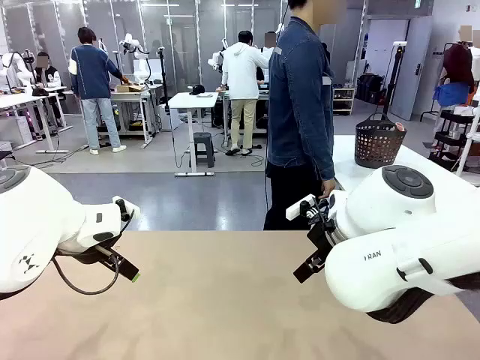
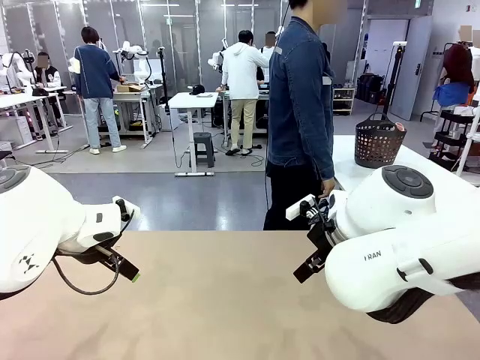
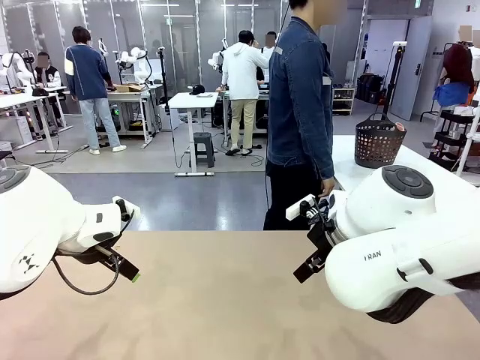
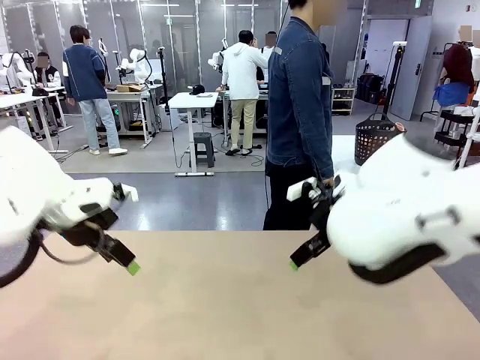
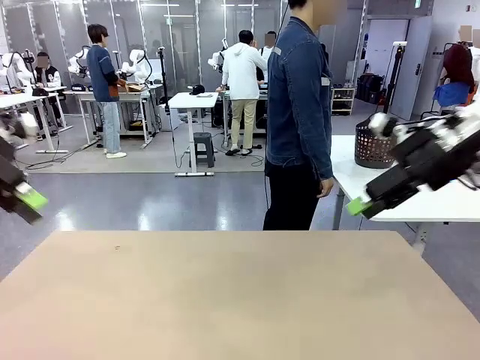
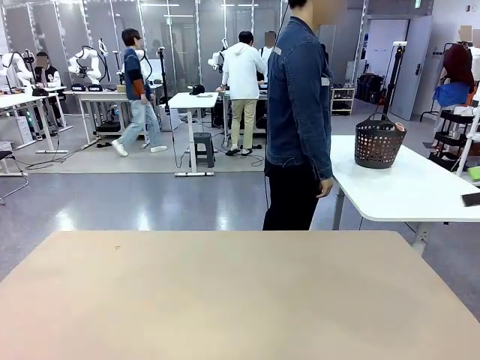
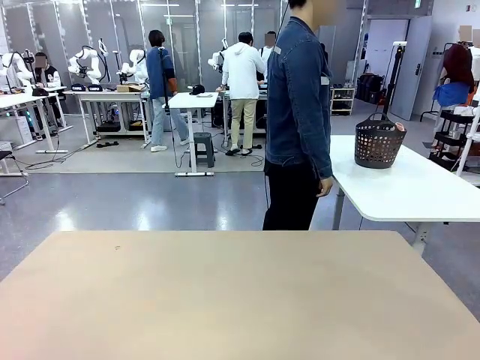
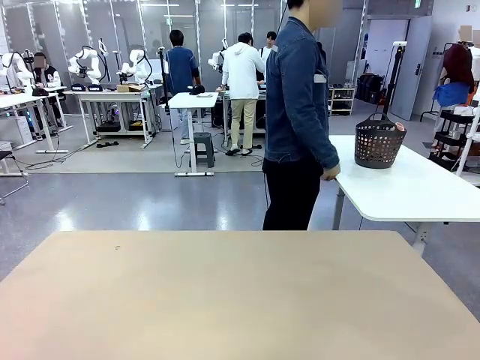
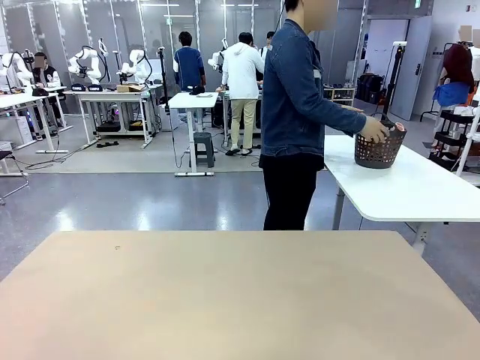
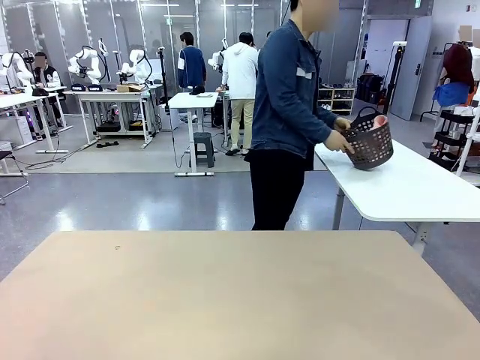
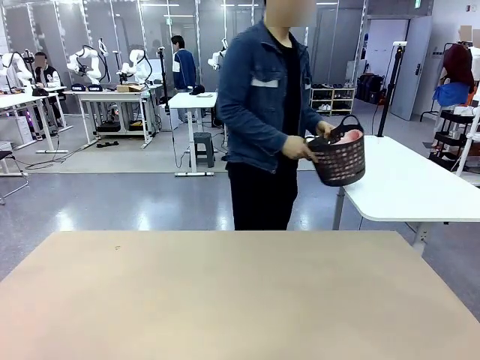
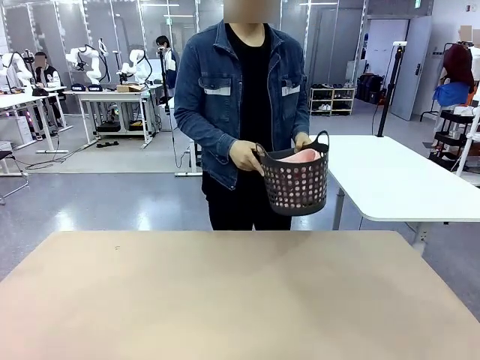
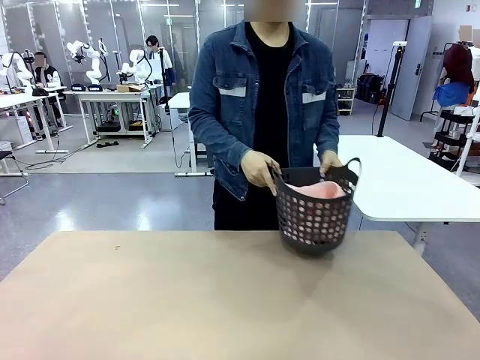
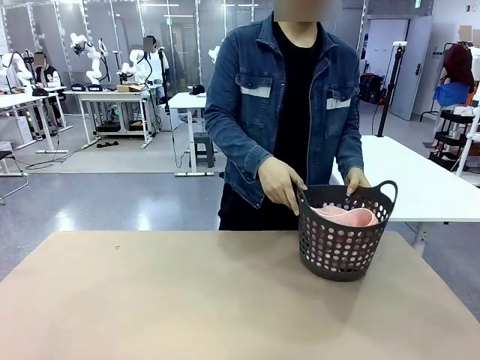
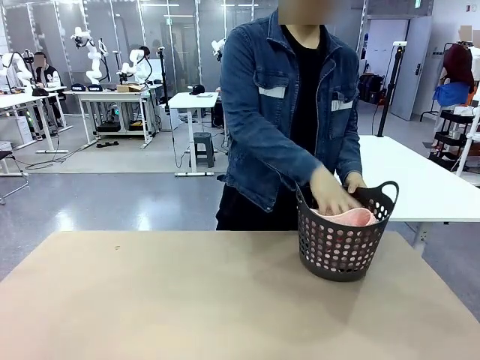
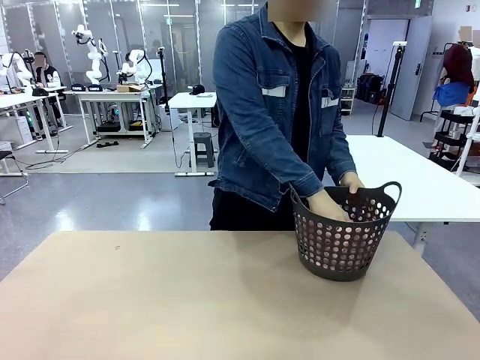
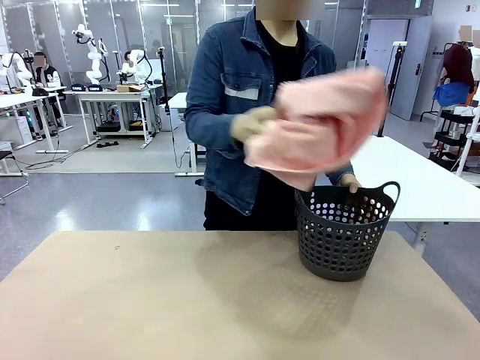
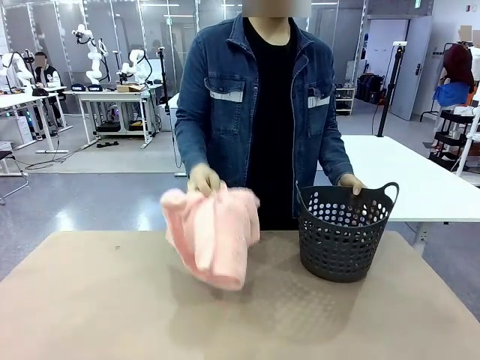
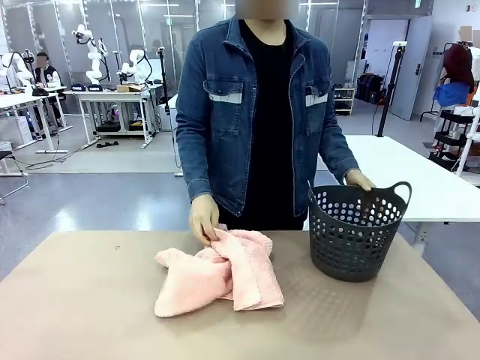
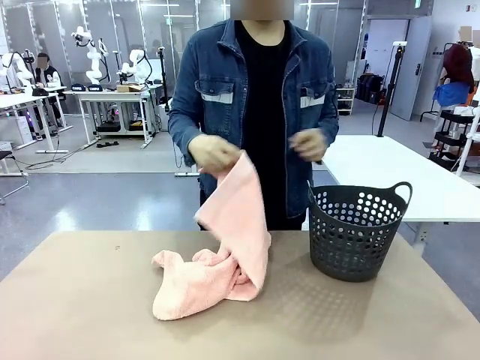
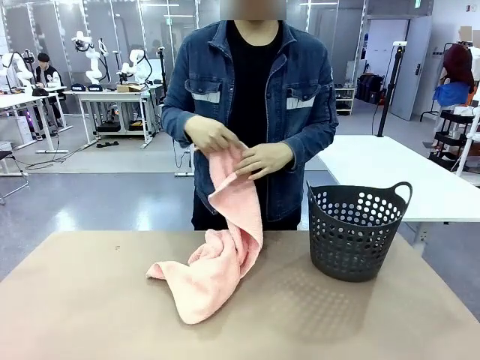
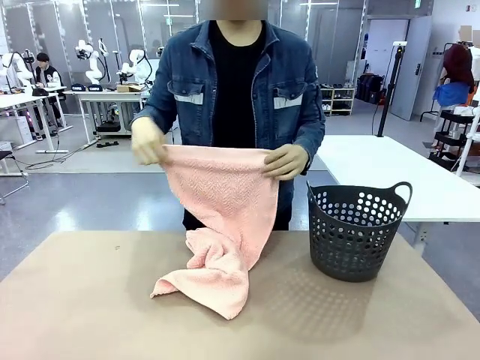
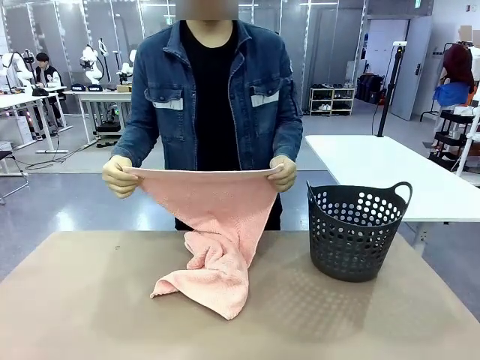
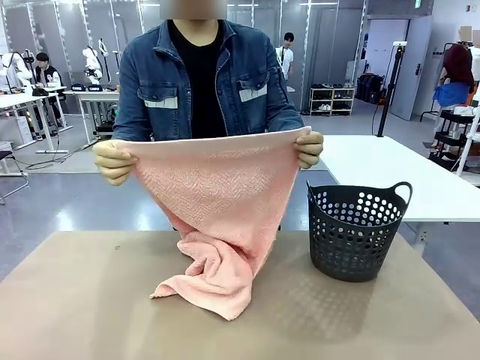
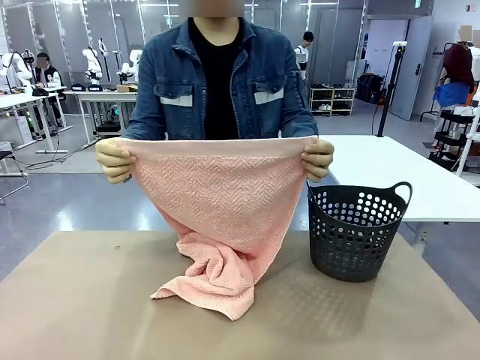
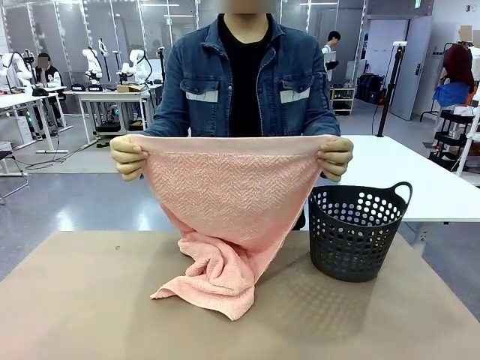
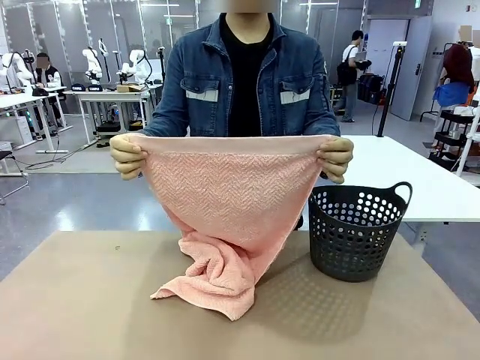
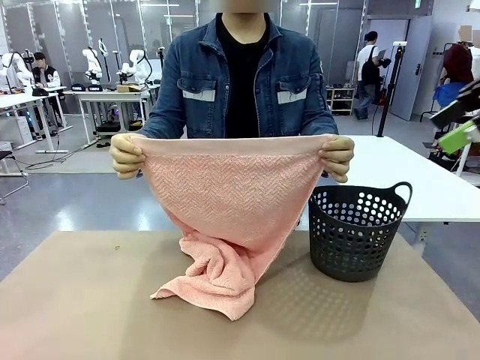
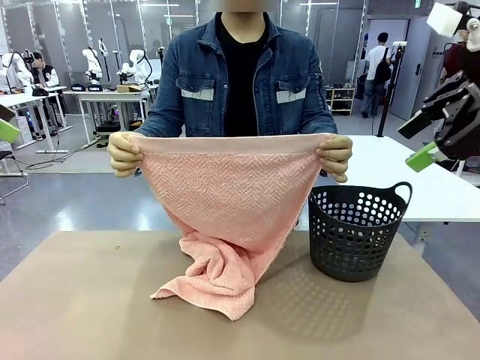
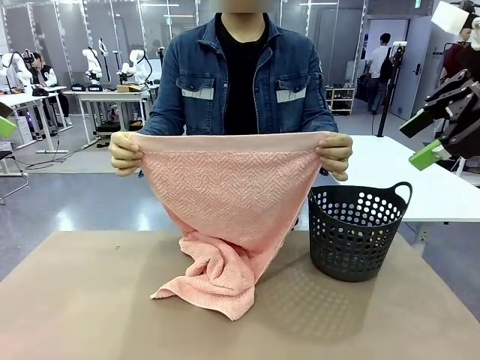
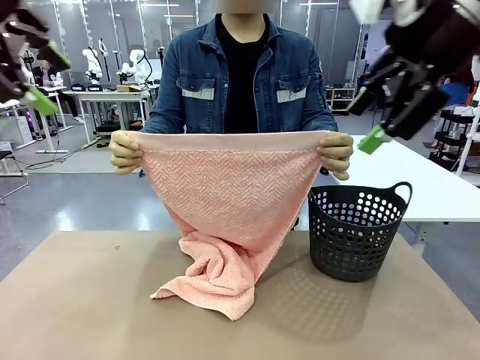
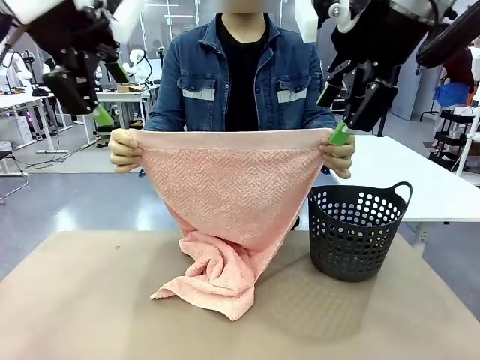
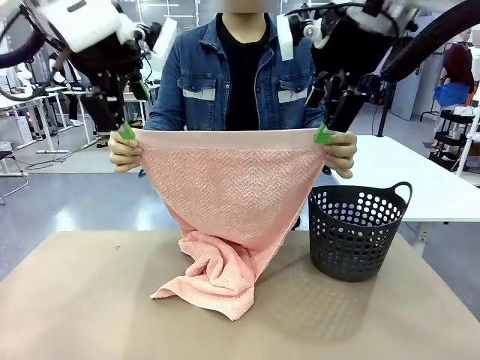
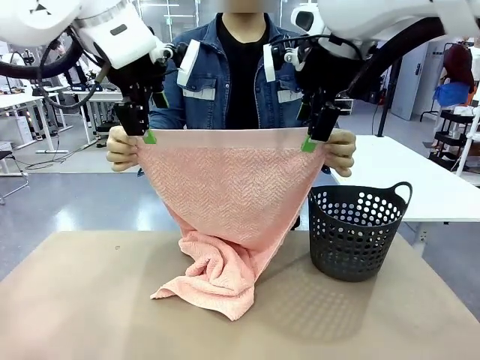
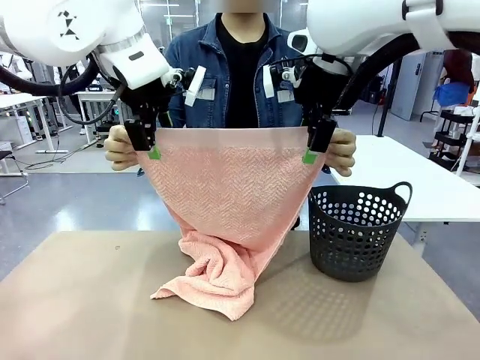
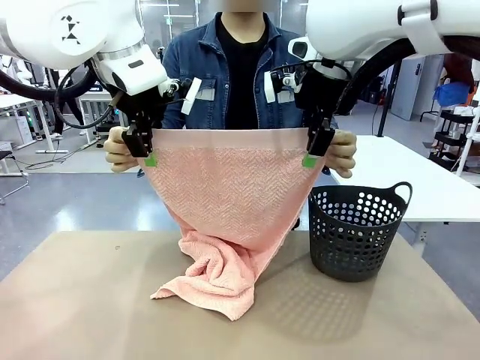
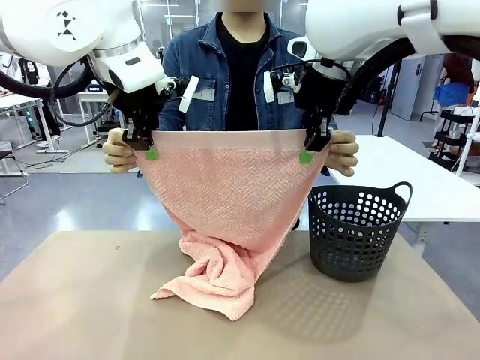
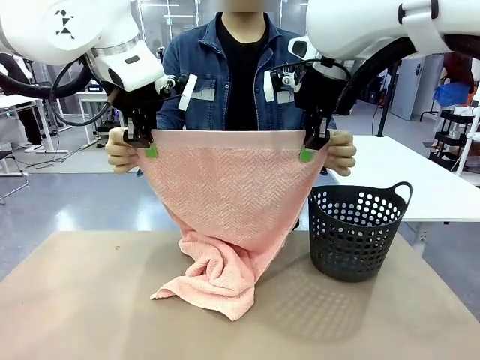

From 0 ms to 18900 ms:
Task: Fold the towel.
Robot: Grab the top end of the 100 cm Hotel Towel extended by the human.
Person: Pick up the laundry basket, place it on the left side of the robot table, then take out a towel and hand it to the robot while holding both corners of one end.

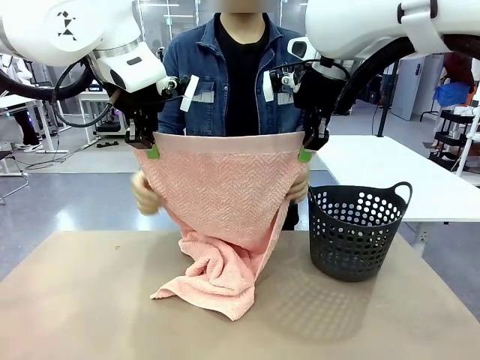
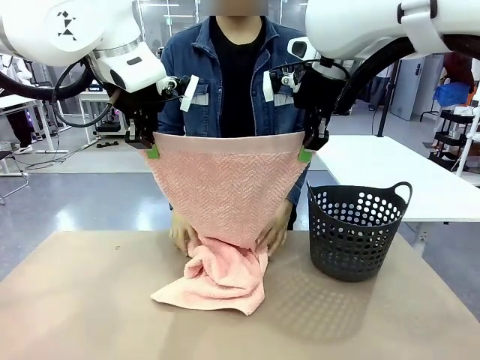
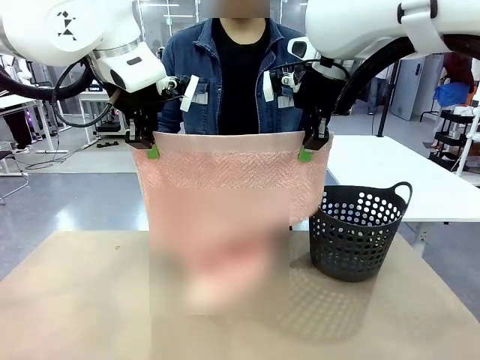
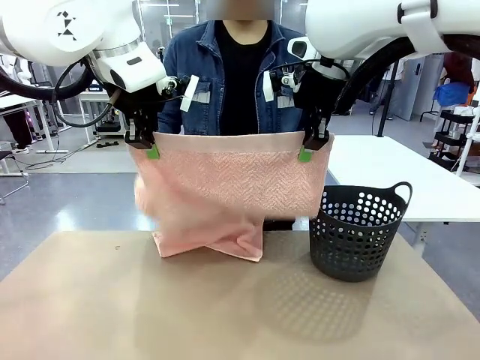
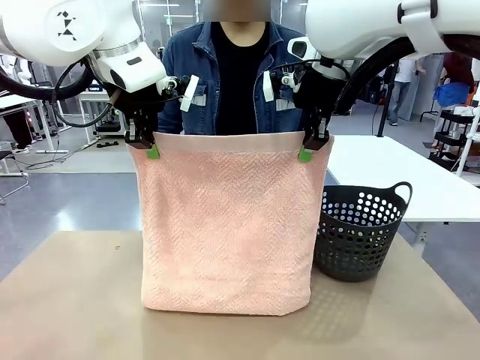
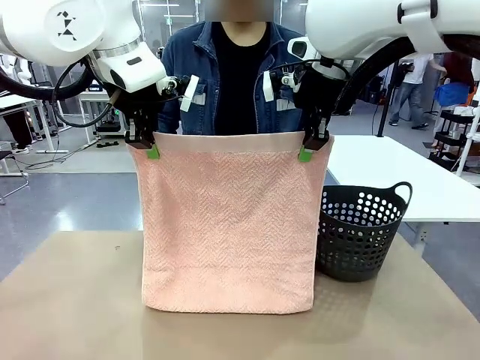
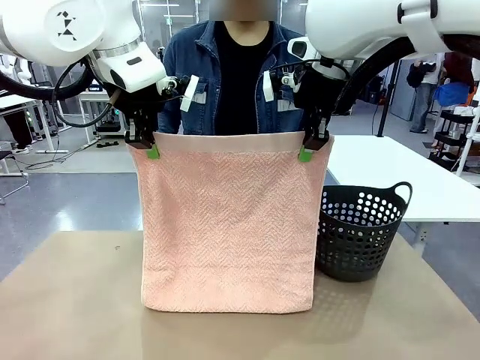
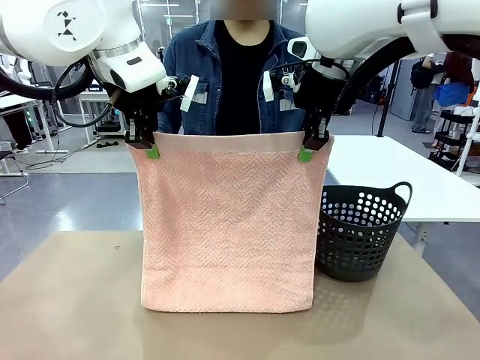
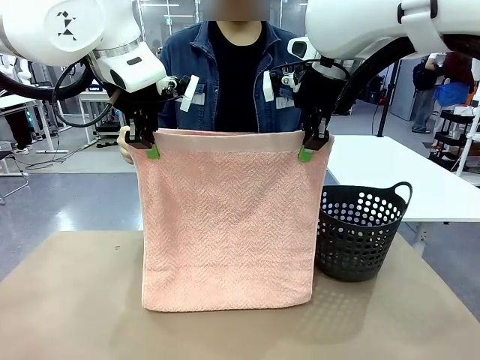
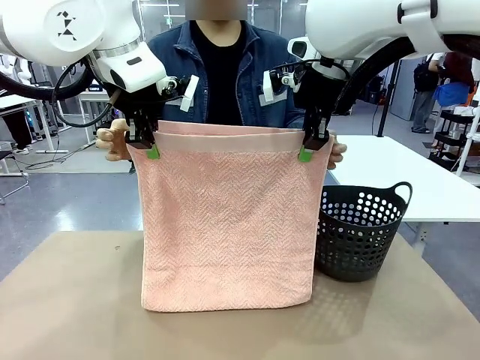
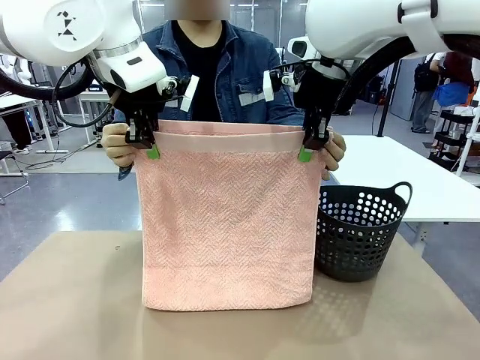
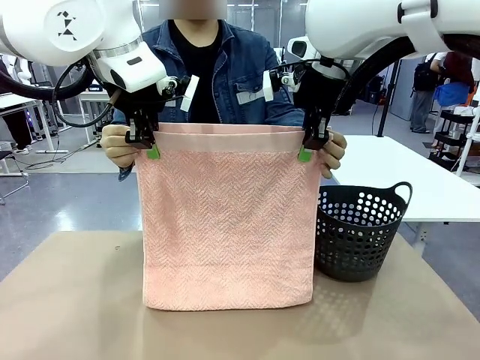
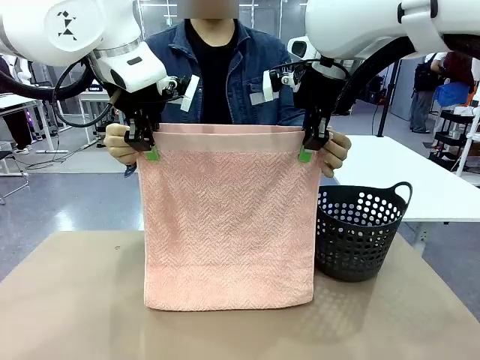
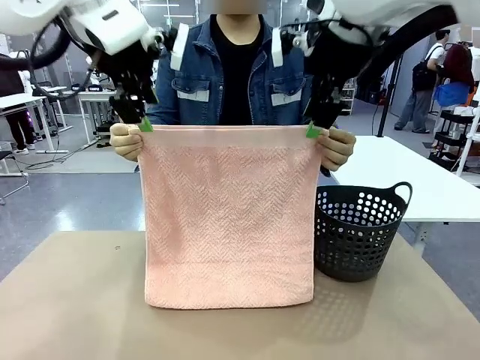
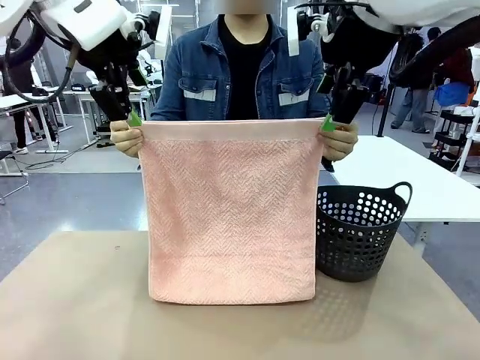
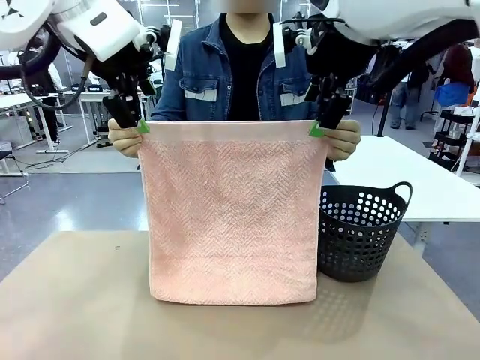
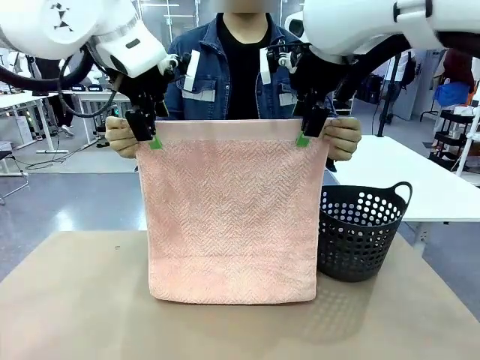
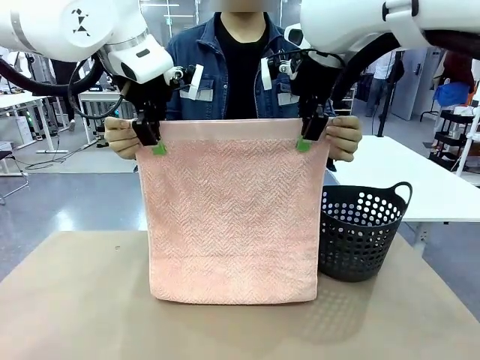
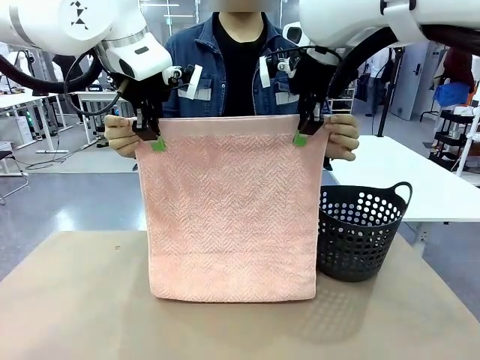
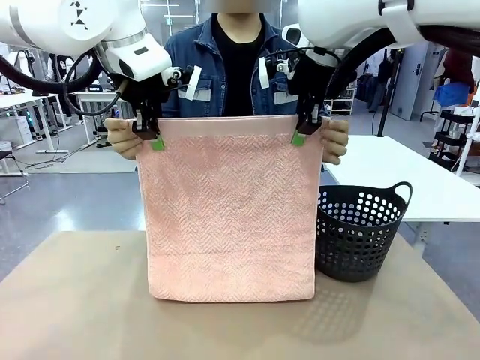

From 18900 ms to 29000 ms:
Robot: Release the end of the 100 cm Hotel Towel you were holding and grab the top end of the folded side.
